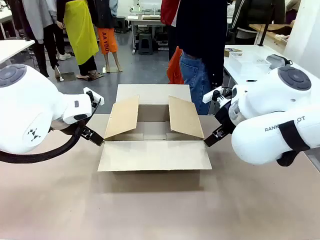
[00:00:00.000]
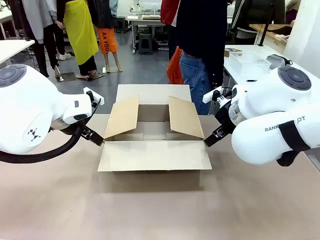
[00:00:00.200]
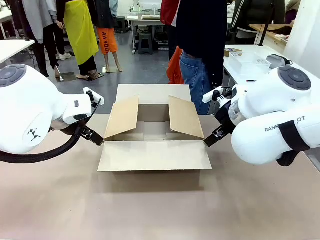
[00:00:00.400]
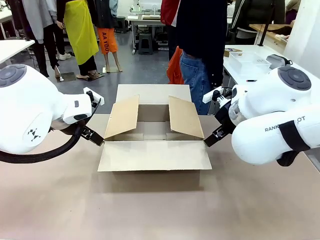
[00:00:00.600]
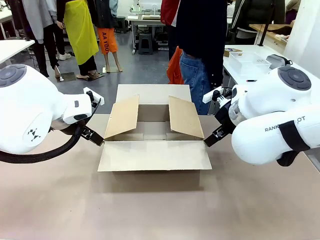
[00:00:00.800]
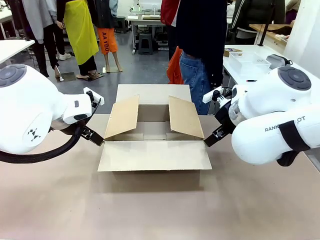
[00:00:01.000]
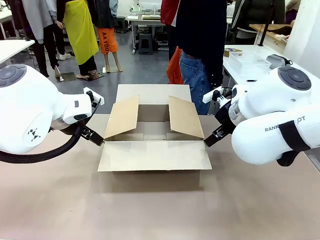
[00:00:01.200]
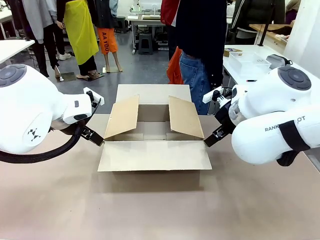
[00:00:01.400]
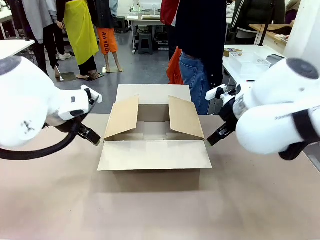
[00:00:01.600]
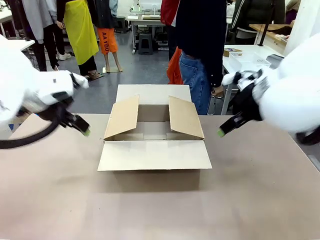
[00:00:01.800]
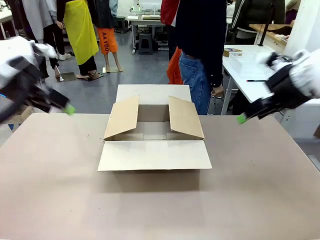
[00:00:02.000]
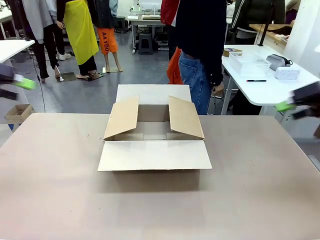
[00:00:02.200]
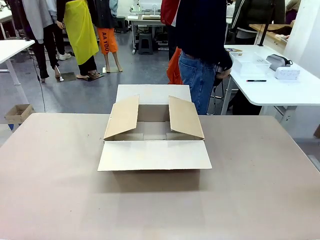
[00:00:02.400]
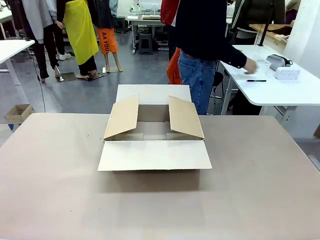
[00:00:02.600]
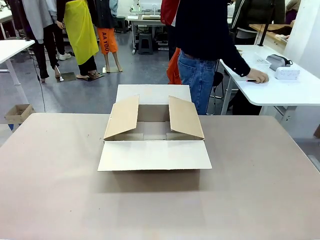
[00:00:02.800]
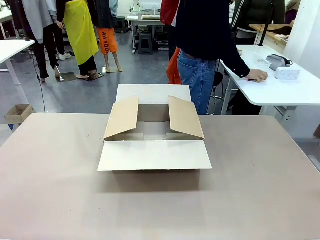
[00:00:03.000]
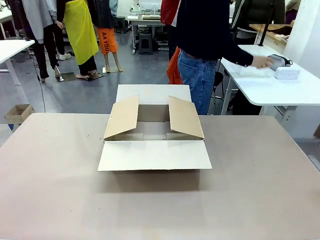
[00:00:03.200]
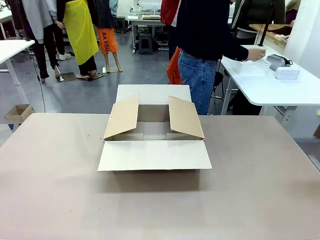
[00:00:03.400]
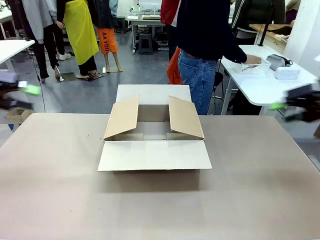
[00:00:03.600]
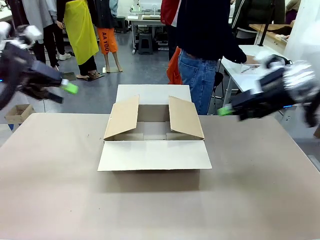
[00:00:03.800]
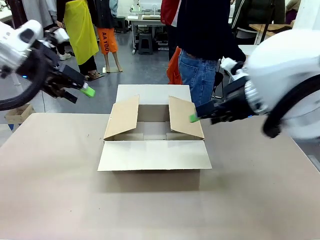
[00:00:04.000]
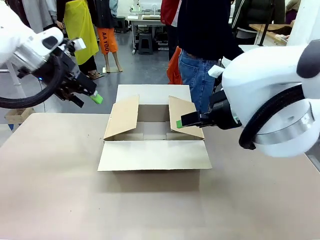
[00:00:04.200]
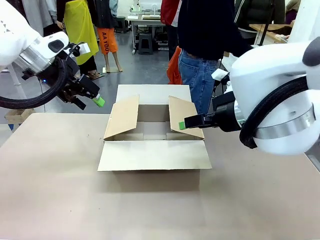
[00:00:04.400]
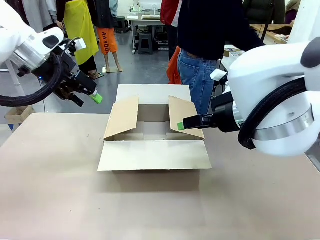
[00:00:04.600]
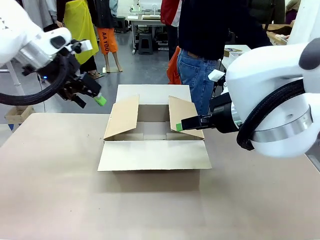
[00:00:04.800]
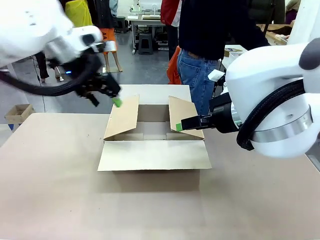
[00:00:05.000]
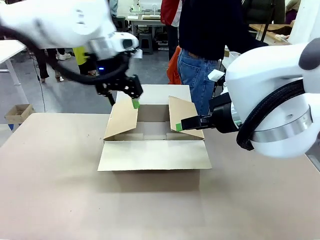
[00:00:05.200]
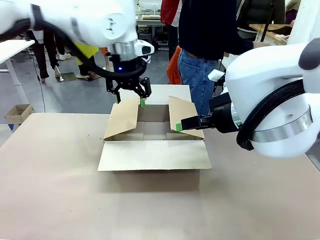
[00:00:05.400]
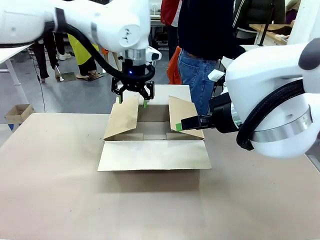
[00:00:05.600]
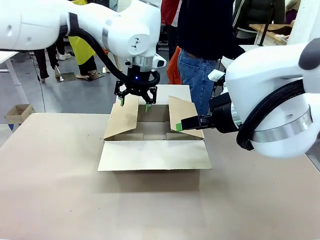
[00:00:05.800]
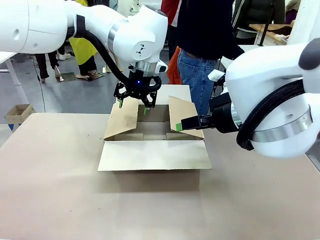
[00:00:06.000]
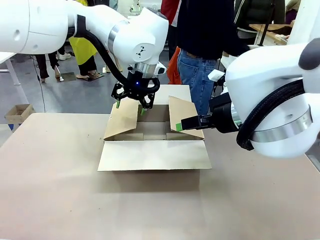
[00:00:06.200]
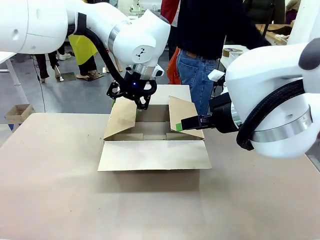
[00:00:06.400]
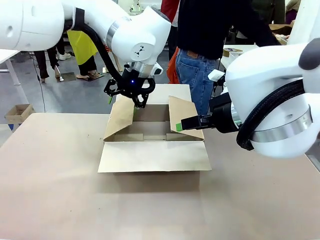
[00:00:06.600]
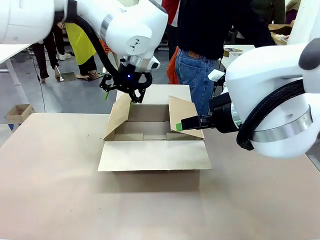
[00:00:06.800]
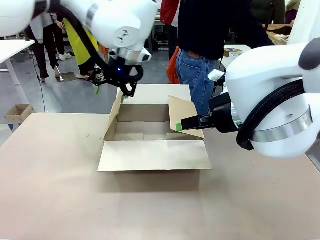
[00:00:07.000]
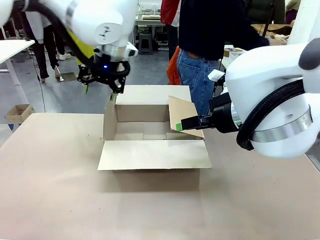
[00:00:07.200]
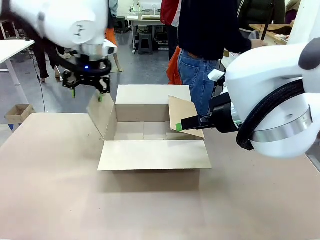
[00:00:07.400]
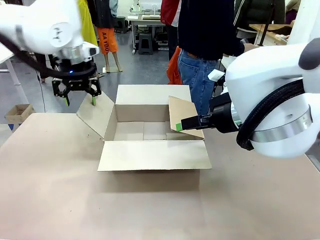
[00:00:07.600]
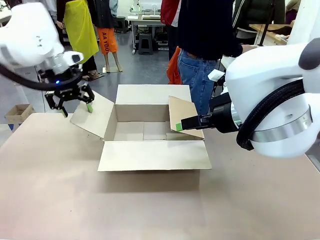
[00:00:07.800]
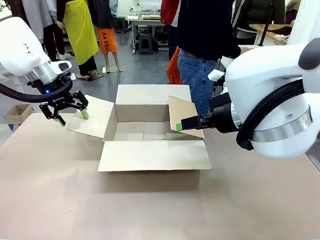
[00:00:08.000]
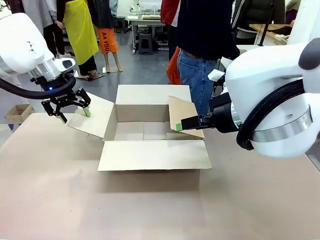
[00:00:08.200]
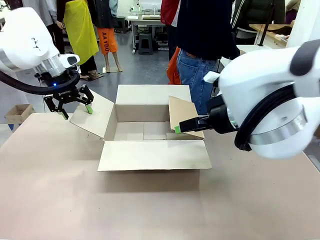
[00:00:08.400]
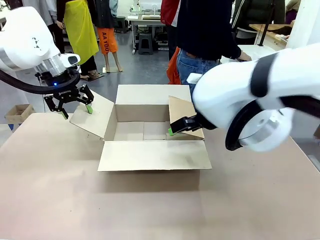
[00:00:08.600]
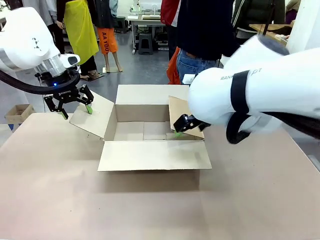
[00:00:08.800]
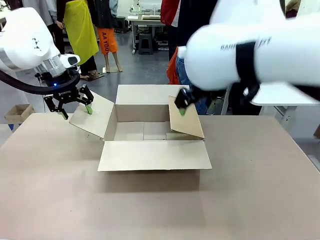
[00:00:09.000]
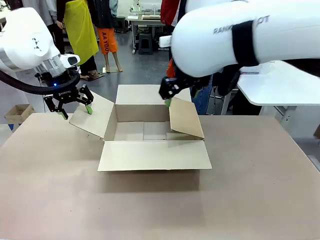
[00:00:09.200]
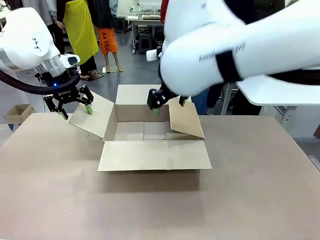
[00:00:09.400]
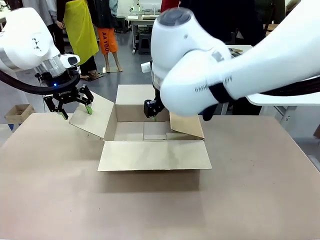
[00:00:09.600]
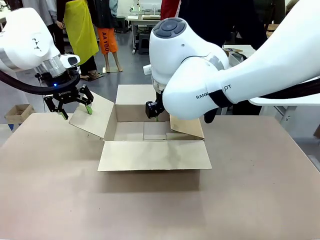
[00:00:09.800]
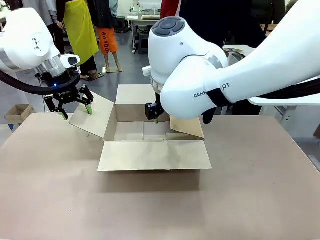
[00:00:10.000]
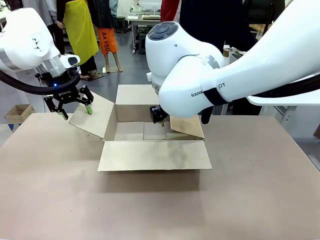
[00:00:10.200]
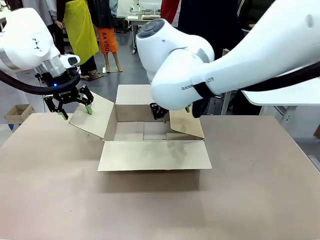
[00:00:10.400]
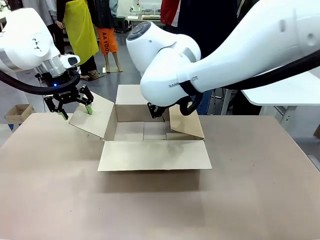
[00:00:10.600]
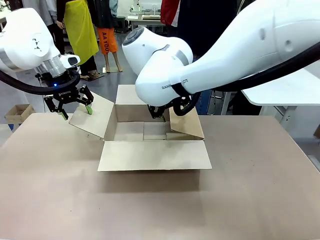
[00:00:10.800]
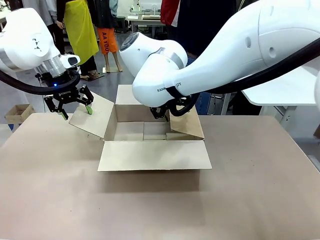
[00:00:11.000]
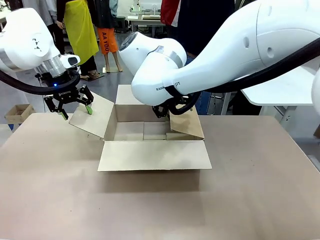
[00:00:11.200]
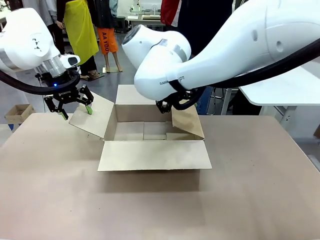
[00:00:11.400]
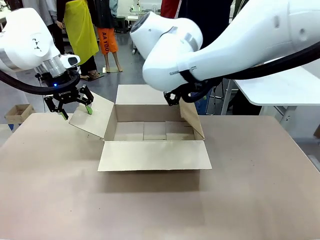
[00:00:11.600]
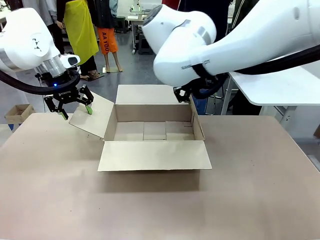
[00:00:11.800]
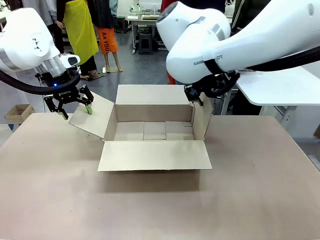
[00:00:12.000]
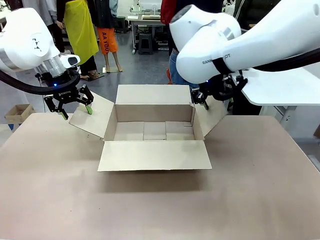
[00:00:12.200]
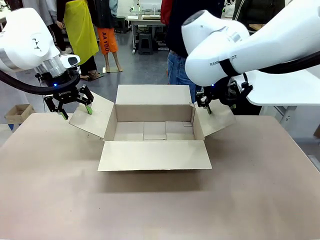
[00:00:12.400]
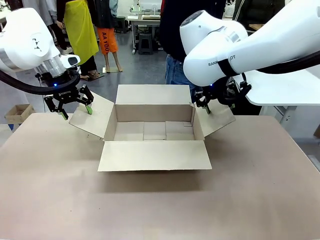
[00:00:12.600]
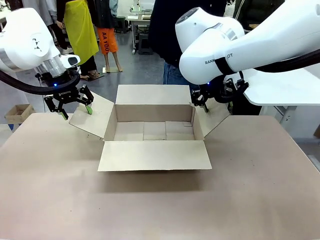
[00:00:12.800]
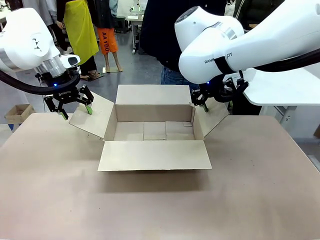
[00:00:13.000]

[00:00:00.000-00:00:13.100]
Task: Pack the gift set into the box.
Robot: Place both hands on the side flaps of the Package Box and spread them outward.
Person: The human places all items except the paper tape into the organizing basket.

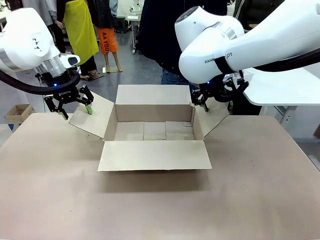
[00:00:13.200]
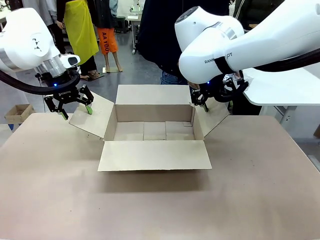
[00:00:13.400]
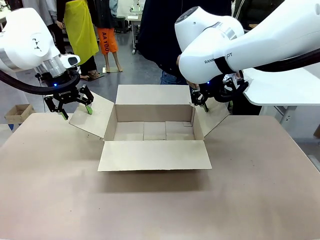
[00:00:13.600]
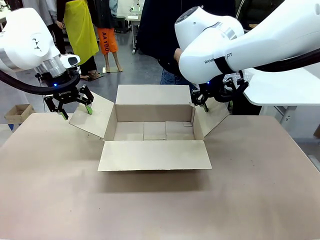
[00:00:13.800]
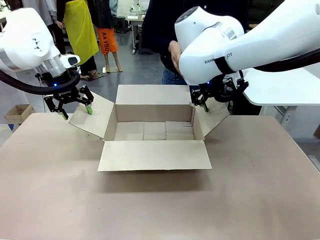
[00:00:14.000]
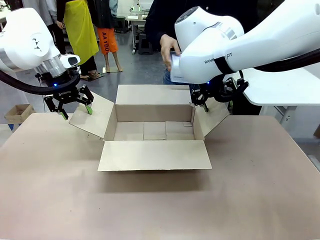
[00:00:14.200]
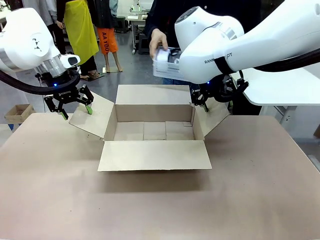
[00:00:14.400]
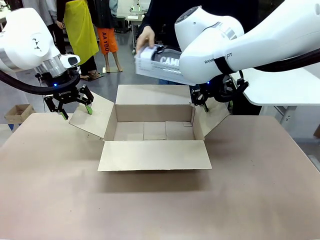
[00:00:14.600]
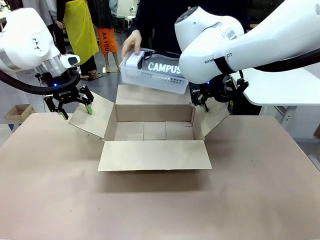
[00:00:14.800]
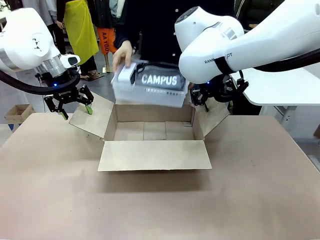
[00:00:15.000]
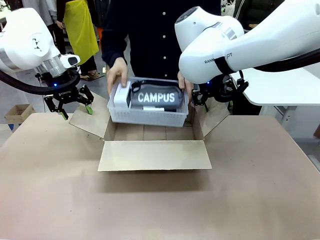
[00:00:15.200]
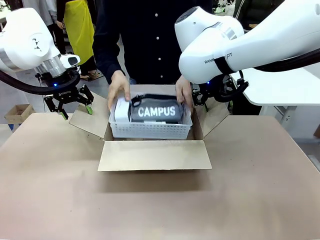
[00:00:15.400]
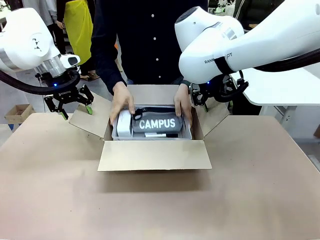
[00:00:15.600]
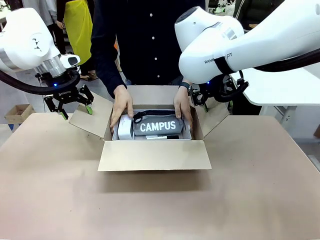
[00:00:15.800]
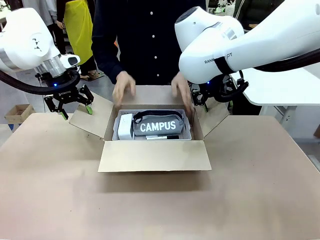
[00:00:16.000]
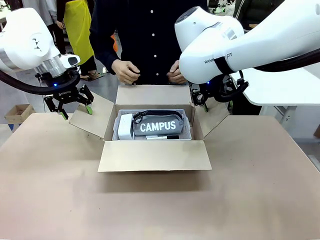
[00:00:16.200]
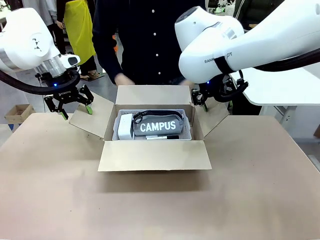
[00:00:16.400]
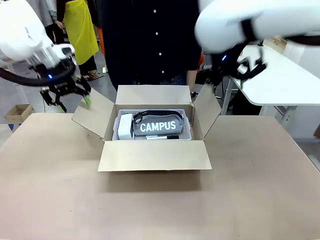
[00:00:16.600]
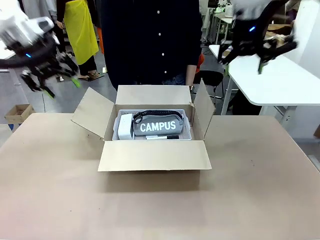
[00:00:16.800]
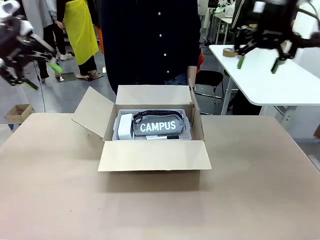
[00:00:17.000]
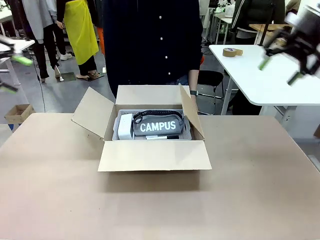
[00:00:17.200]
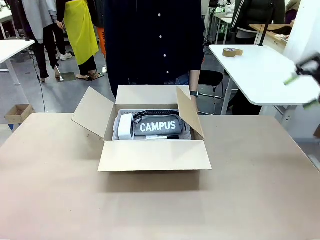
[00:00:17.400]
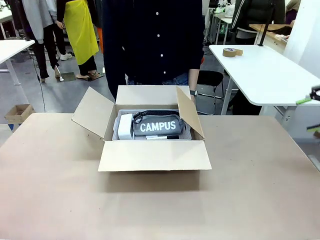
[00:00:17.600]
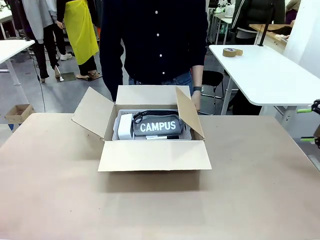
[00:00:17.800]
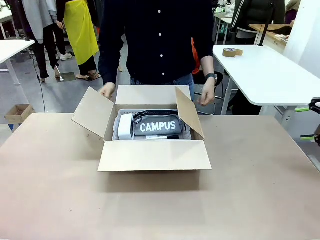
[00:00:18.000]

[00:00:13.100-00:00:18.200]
Robot: Lift both hands away from the flaps of the Package Box.
Person: The human picks up the organizing basket and places the organizing basket into the package box on the robot table.
